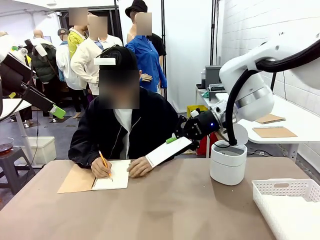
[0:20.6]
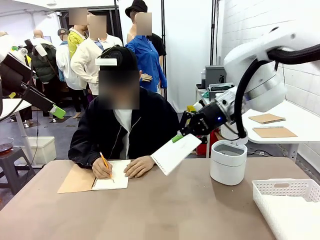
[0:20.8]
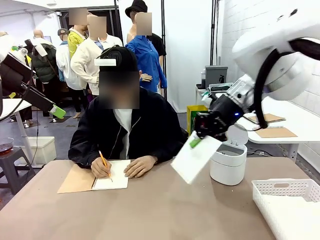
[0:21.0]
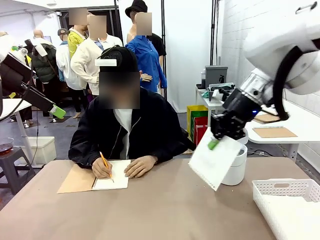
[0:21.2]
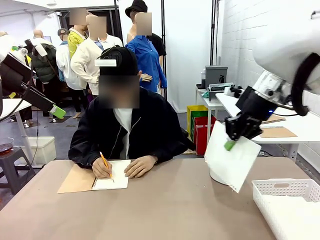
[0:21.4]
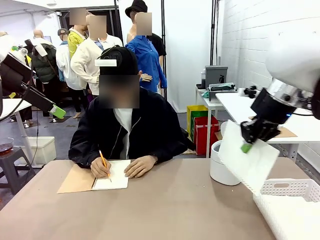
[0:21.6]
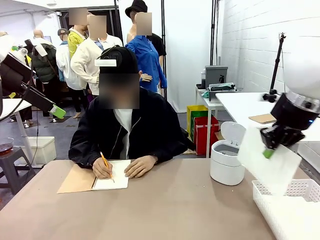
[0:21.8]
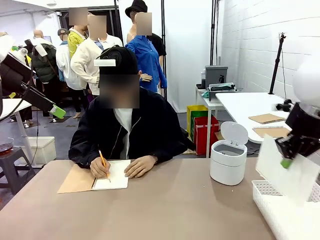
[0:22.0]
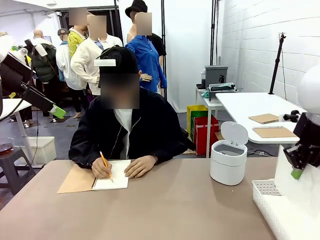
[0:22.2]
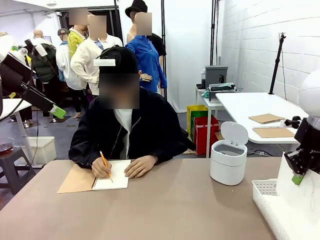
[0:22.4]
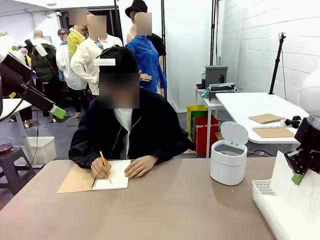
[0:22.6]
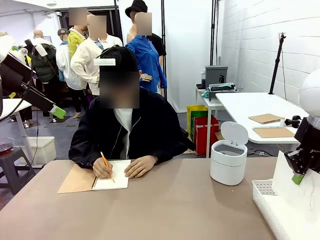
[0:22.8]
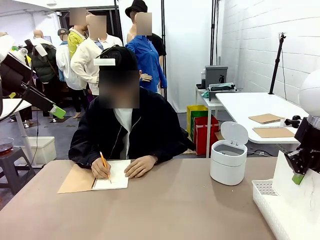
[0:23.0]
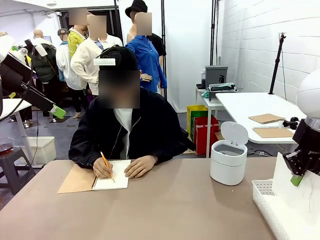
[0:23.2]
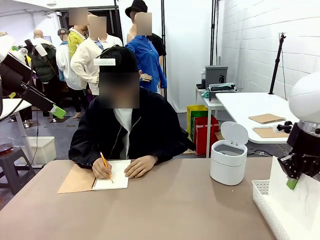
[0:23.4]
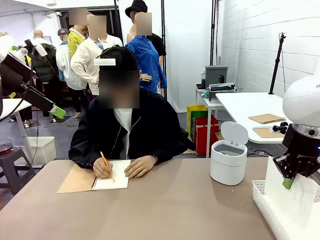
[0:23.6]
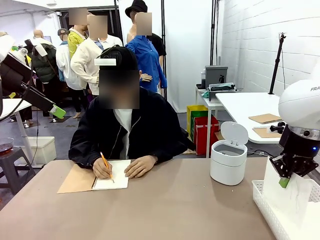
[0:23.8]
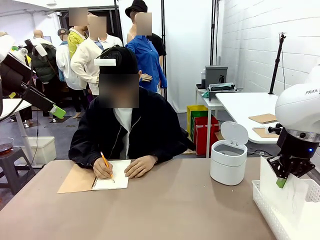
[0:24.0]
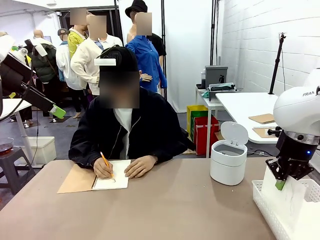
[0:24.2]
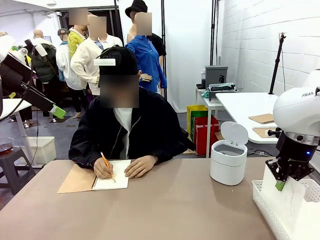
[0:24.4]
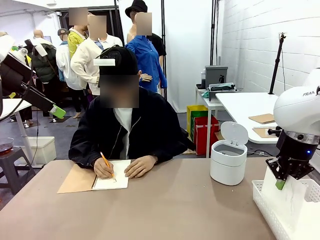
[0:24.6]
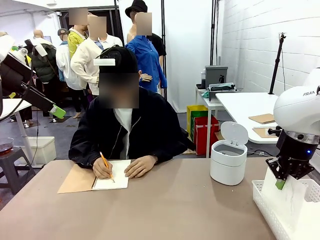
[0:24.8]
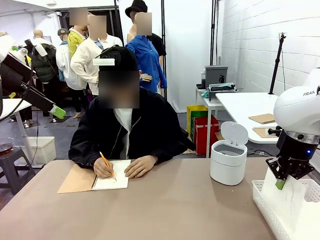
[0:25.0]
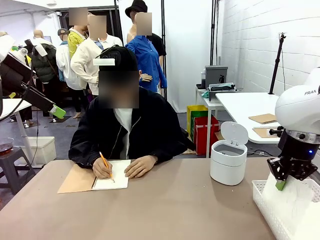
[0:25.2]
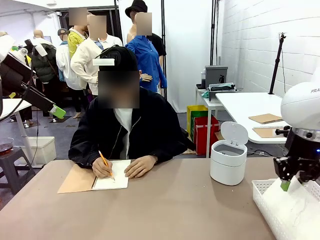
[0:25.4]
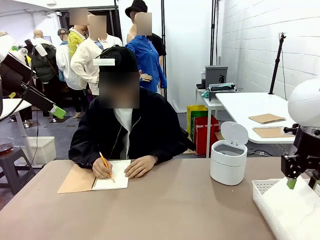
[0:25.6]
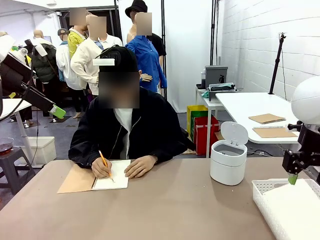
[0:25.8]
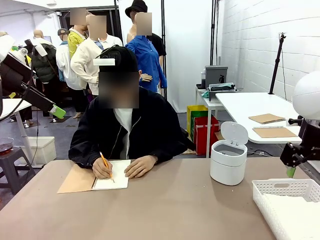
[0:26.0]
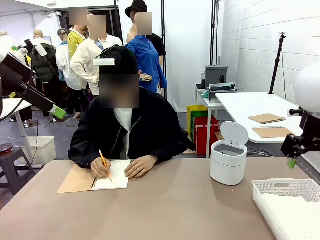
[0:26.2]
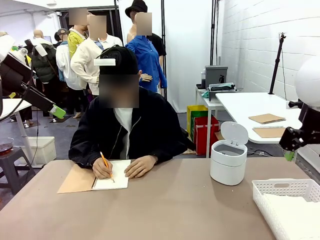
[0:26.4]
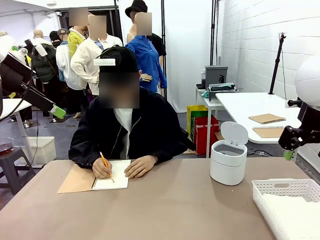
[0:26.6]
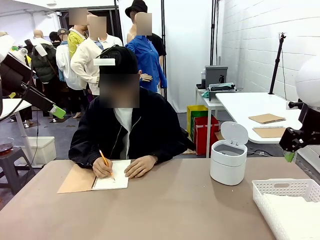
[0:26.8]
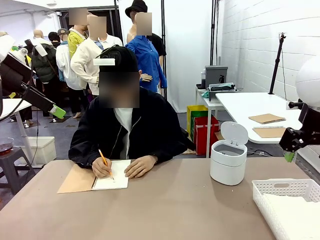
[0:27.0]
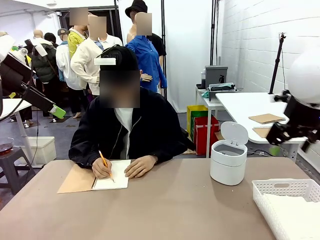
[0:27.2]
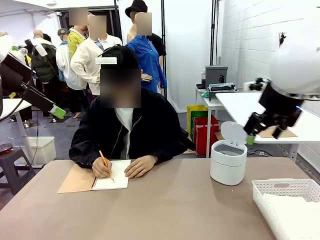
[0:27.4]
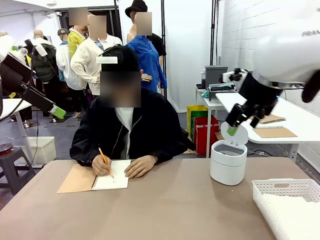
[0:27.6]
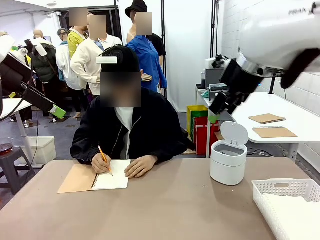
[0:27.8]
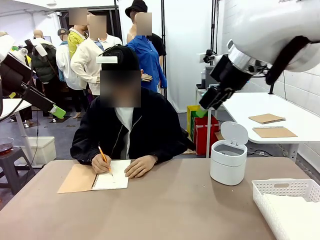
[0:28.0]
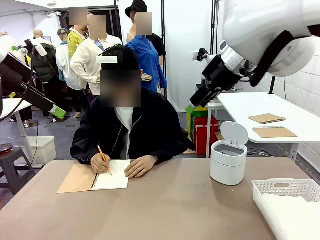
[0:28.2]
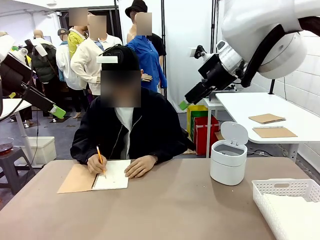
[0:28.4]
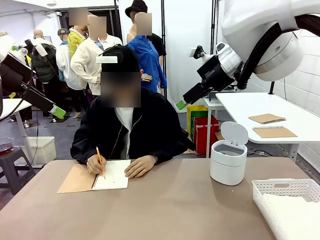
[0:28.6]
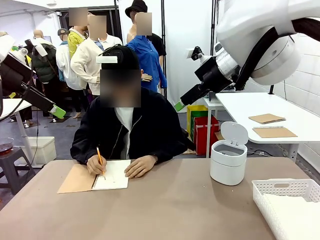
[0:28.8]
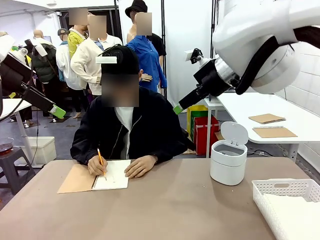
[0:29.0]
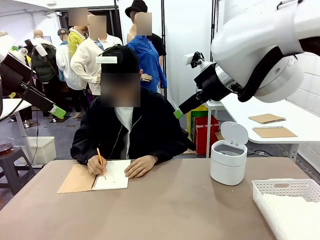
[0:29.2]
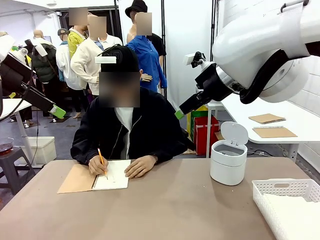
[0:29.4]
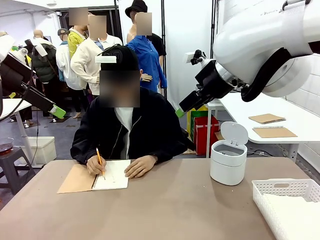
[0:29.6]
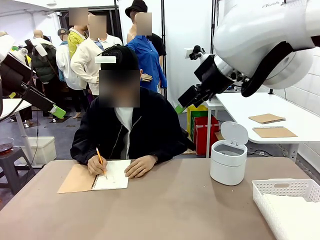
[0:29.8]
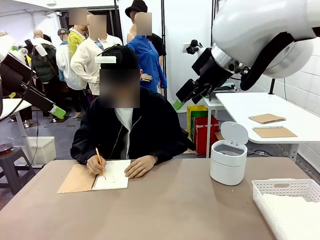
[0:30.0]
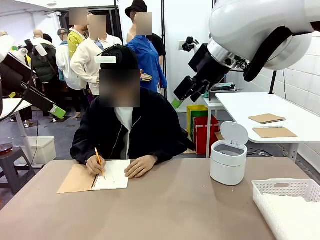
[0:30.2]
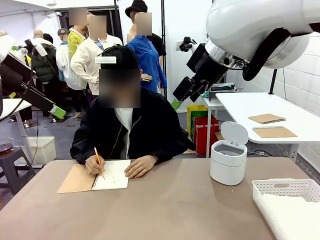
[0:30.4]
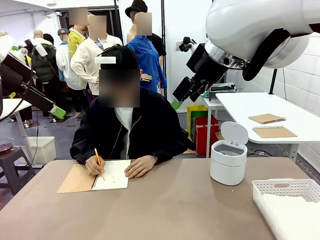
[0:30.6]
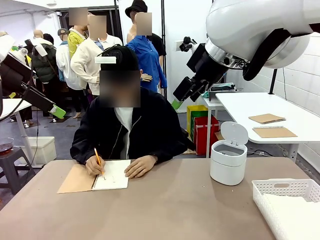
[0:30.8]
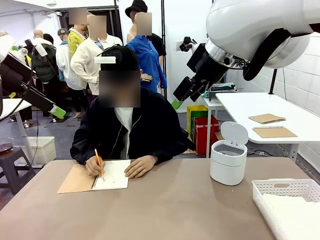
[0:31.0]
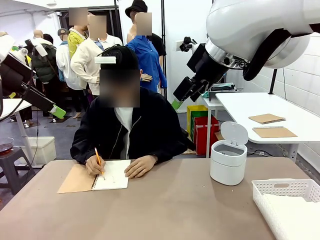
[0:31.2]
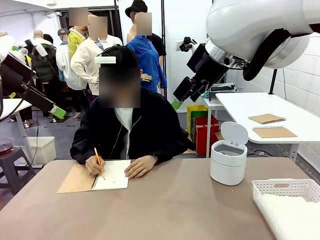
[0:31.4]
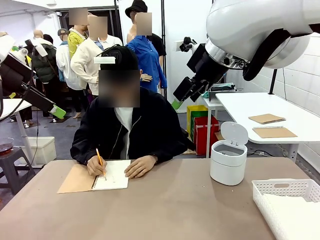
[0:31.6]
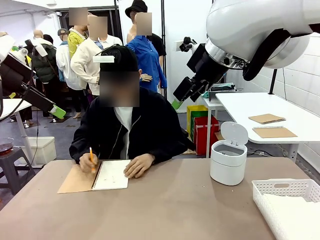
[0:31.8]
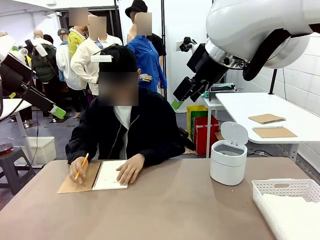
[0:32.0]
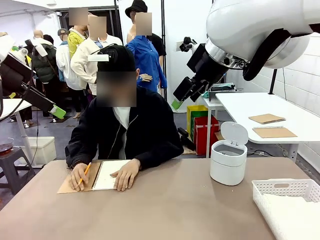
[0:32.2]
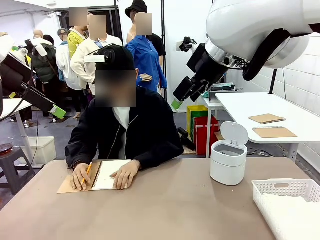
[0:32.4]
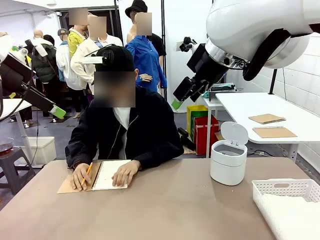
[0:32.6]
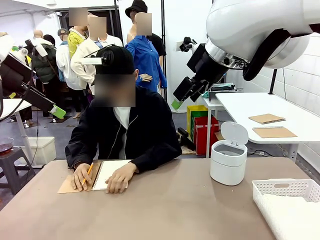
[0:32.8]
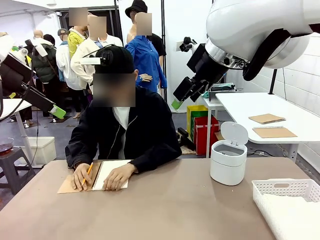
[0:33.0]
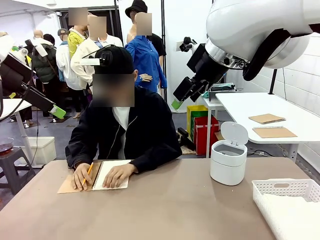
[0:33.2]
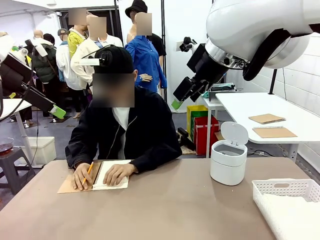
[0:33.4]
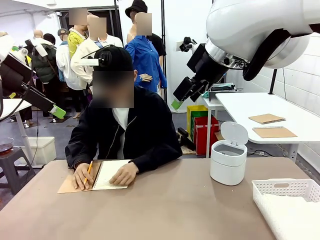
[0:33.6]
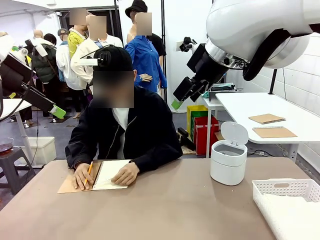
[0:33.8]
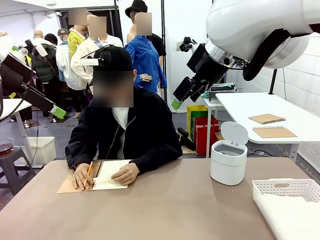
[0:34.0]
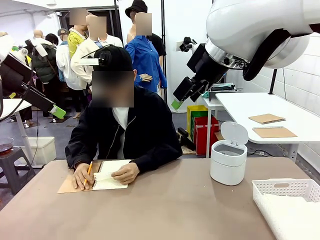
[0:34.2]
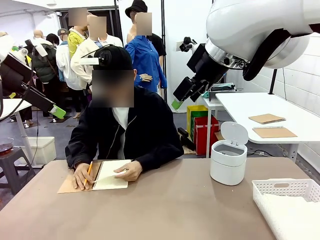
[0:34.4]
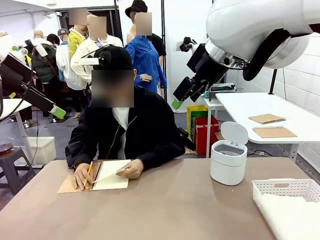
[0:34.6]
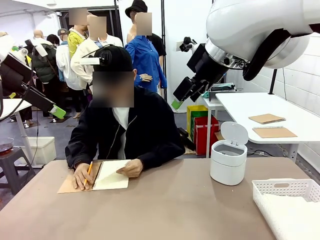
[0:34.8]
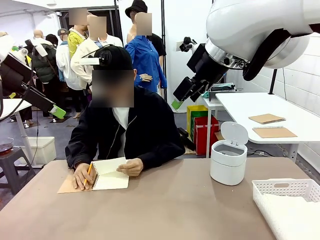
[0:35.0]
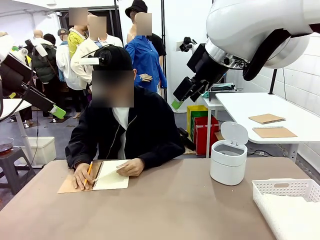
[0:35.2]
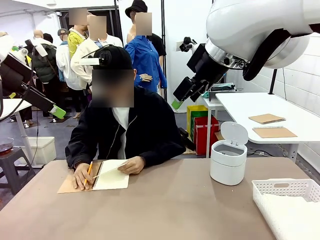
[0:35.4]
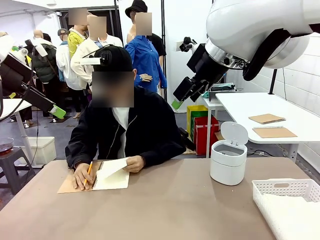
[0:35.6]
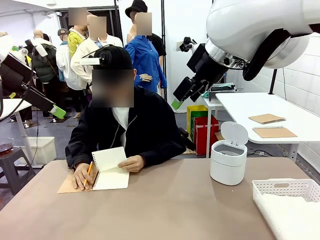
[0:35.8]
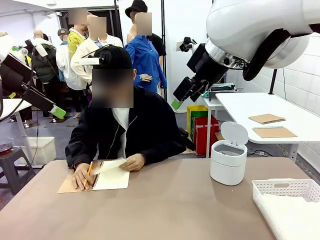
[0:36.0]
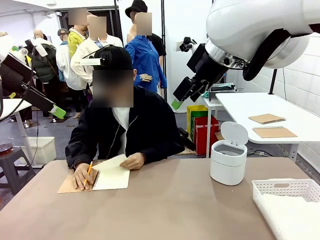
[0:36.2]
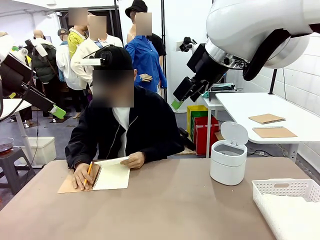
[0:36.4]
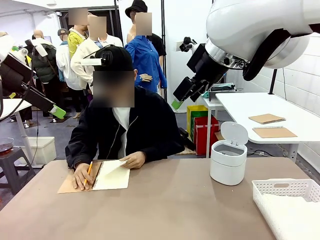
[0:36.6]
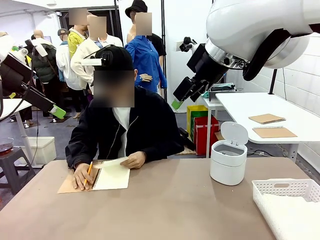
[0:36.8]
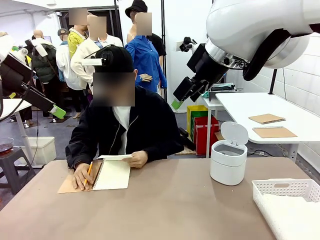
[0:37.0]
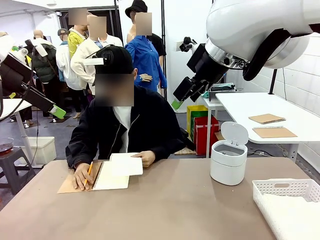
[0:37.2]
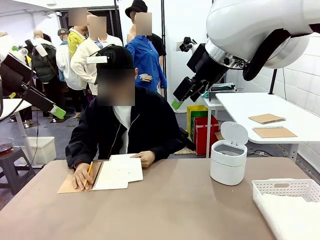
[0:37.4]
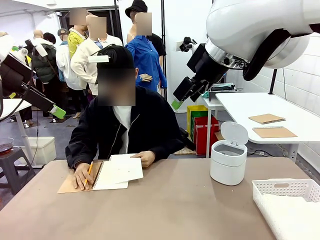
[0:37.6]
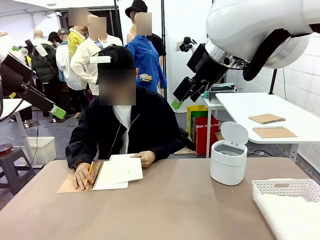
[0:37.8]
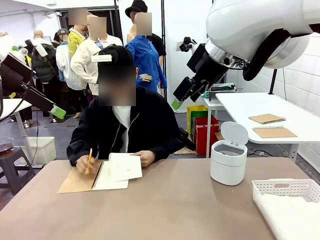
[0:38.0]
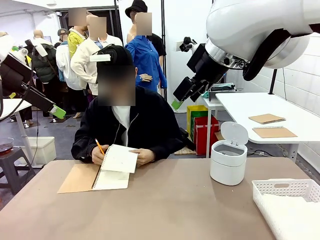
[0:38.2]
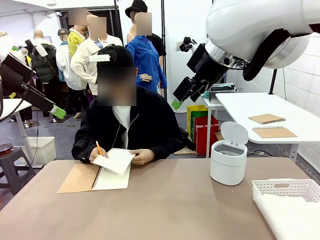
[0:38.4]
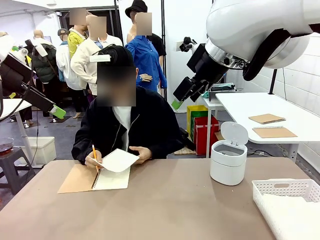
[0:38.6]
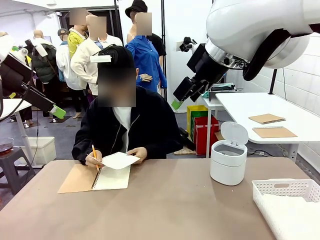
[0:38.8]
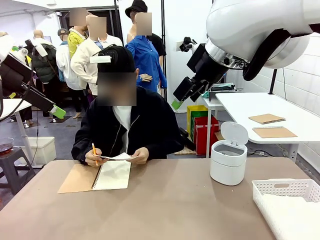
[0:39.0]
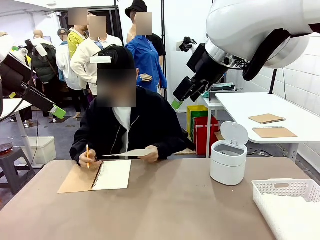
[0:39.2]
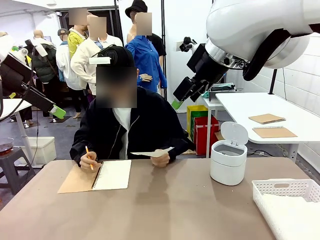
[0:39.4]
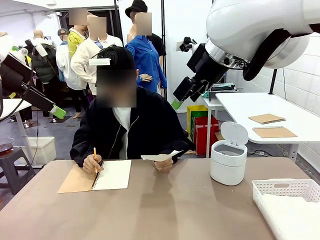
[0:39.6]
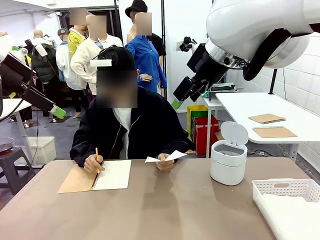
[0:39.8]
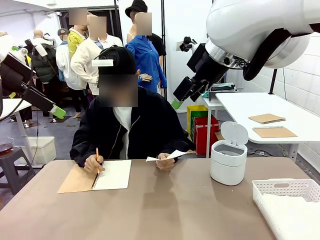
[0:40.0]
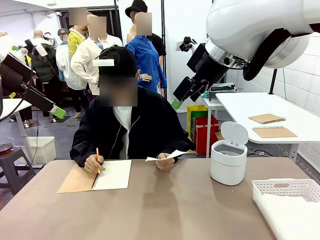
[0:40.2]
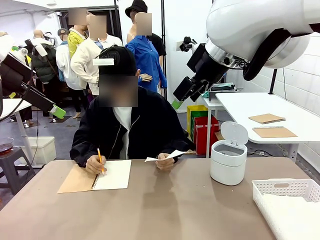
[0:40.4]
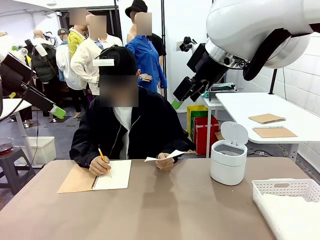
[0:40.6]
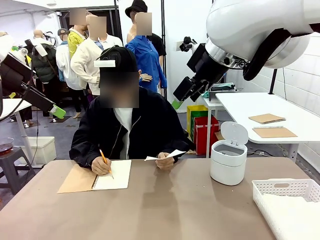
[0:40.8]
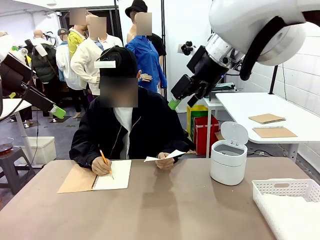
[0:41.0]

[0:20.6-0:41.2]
Task: Sort the paper based on its condition.
Robot: If a person hands you a paper, place it in the Organizing basket , and if it's crumpled, put it in the Trash can.
Person: Tear out a page from the spiral notebook. Hand the torn page to the robot or crumple it and throw it to the center of the table.
